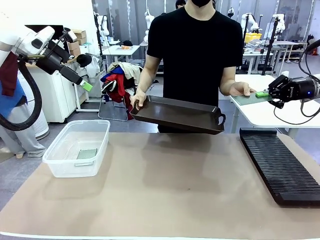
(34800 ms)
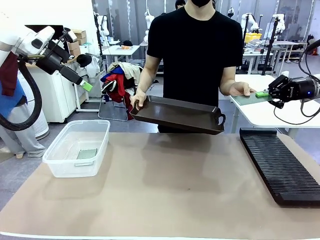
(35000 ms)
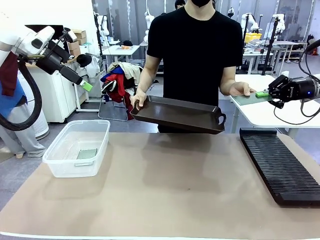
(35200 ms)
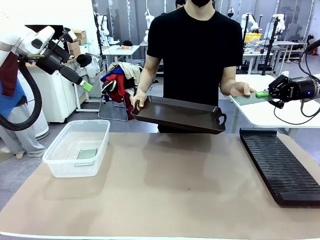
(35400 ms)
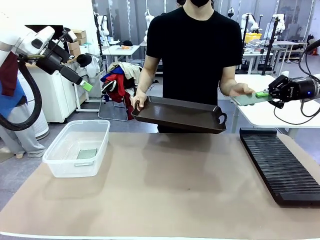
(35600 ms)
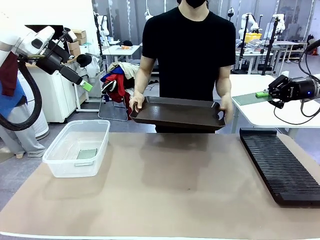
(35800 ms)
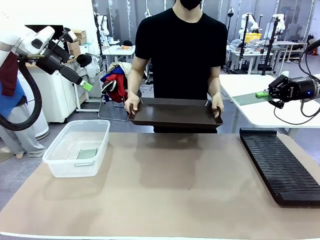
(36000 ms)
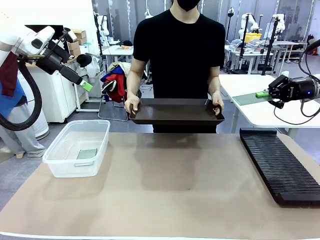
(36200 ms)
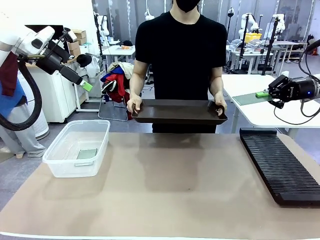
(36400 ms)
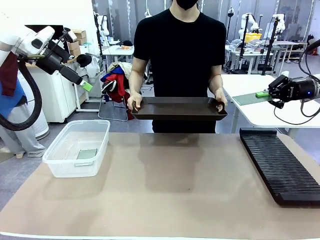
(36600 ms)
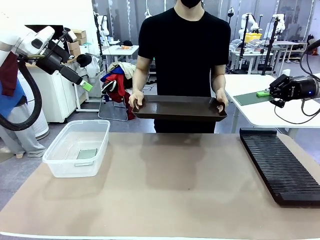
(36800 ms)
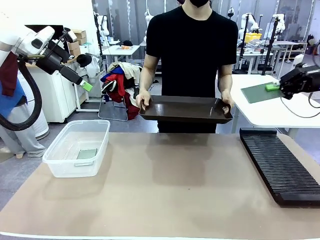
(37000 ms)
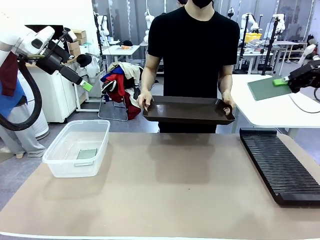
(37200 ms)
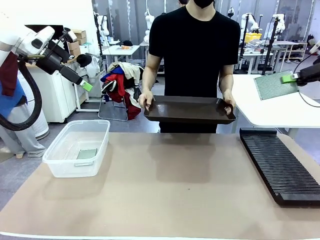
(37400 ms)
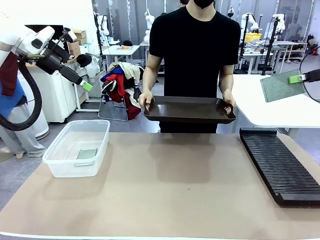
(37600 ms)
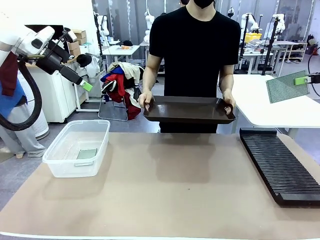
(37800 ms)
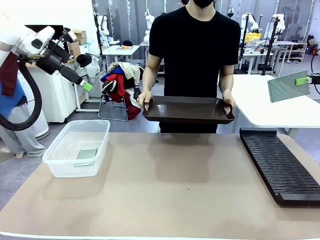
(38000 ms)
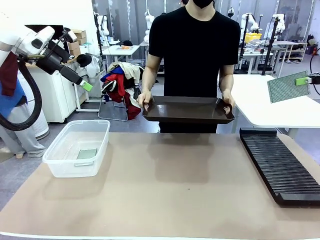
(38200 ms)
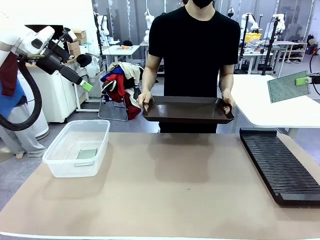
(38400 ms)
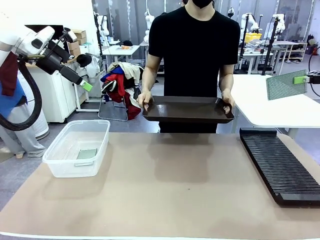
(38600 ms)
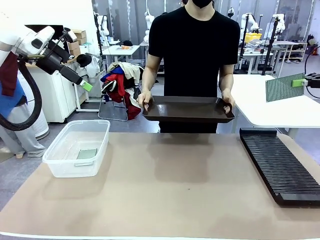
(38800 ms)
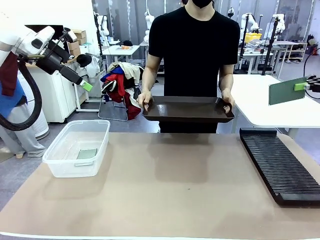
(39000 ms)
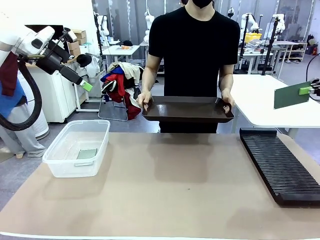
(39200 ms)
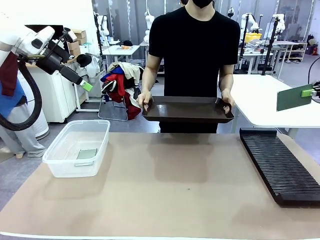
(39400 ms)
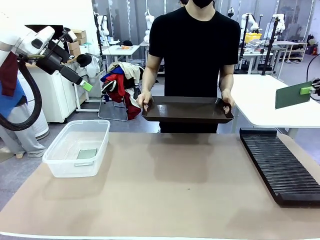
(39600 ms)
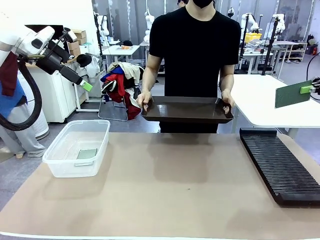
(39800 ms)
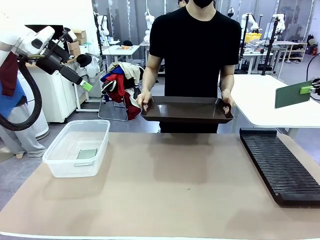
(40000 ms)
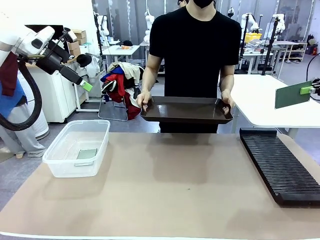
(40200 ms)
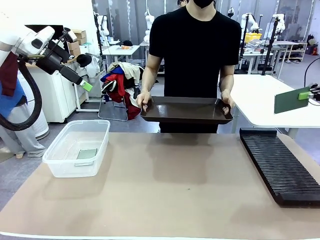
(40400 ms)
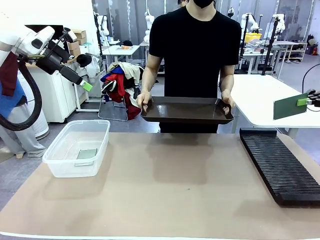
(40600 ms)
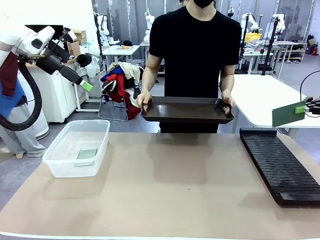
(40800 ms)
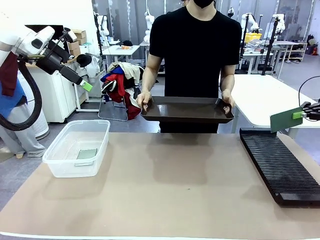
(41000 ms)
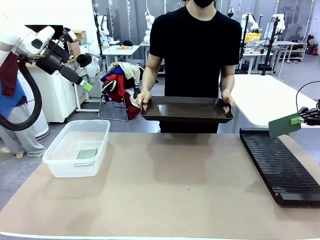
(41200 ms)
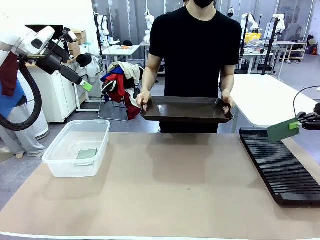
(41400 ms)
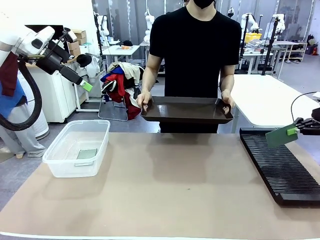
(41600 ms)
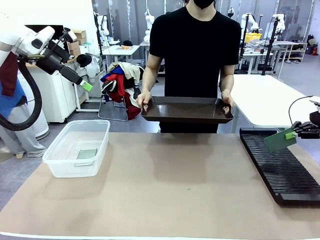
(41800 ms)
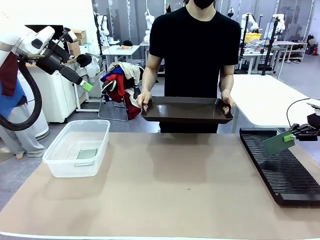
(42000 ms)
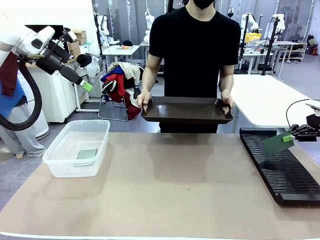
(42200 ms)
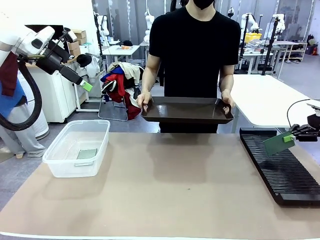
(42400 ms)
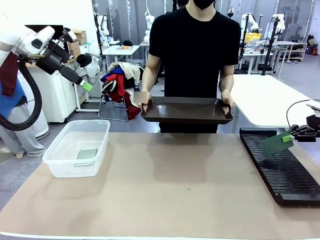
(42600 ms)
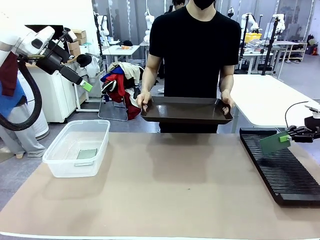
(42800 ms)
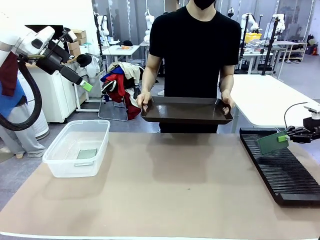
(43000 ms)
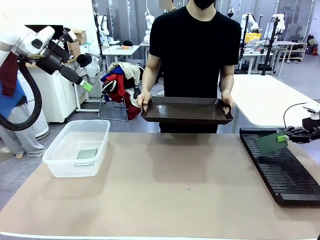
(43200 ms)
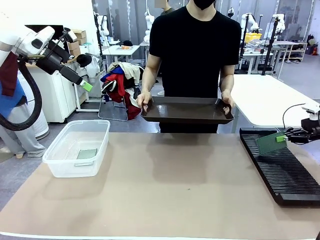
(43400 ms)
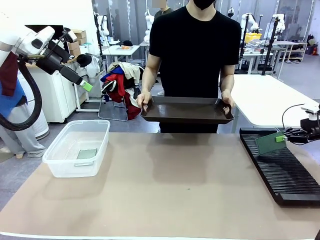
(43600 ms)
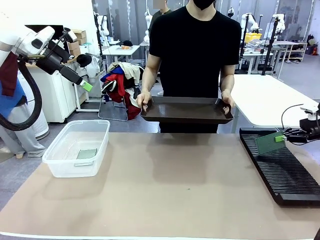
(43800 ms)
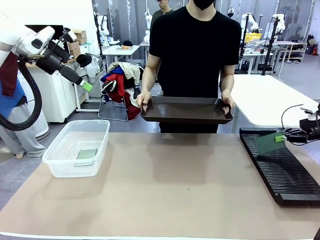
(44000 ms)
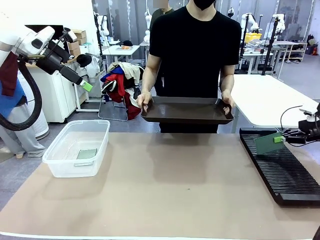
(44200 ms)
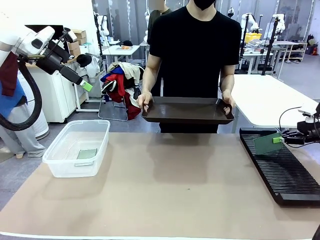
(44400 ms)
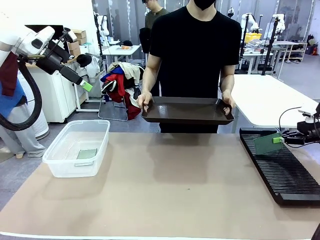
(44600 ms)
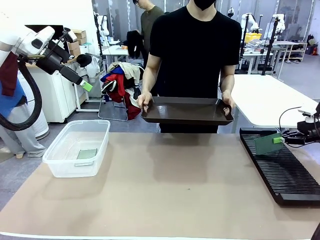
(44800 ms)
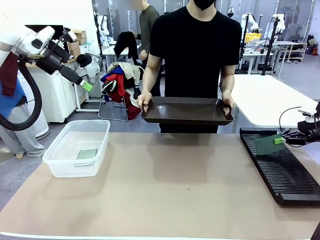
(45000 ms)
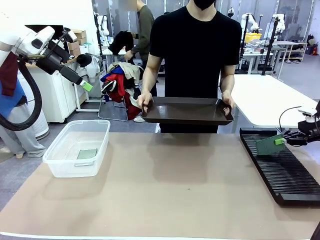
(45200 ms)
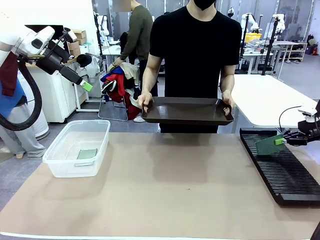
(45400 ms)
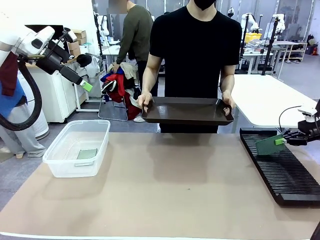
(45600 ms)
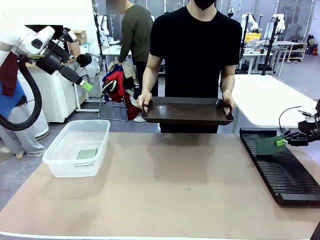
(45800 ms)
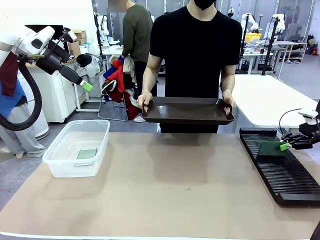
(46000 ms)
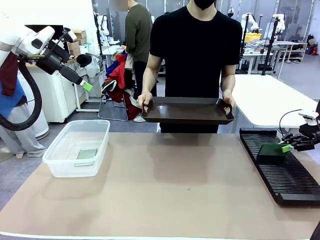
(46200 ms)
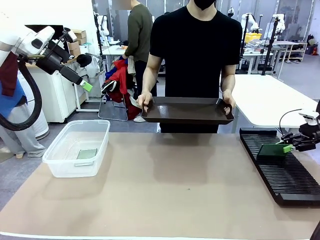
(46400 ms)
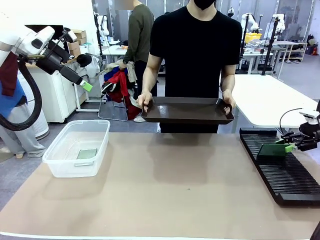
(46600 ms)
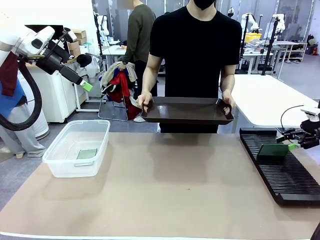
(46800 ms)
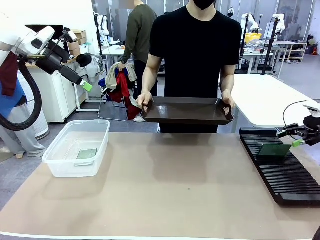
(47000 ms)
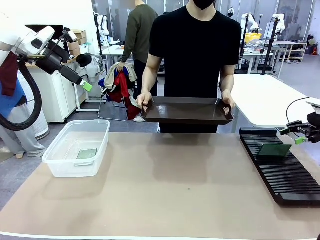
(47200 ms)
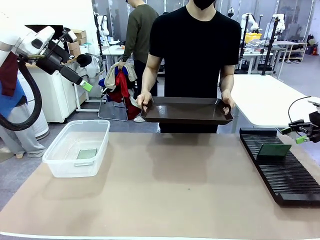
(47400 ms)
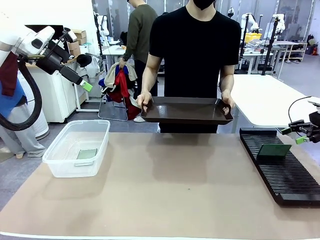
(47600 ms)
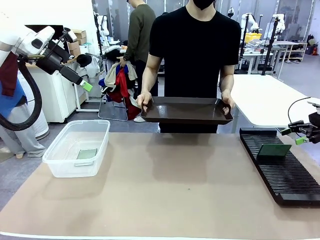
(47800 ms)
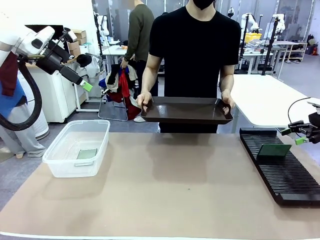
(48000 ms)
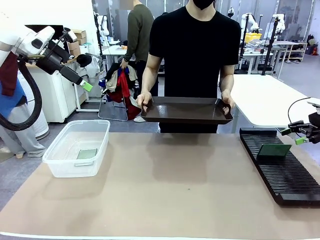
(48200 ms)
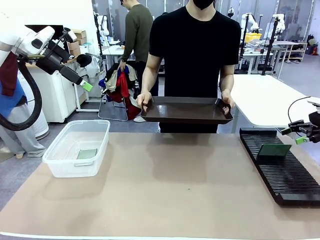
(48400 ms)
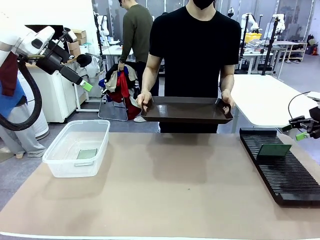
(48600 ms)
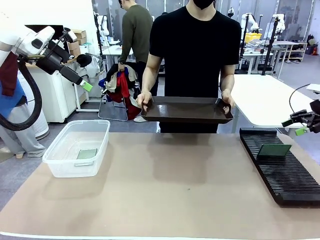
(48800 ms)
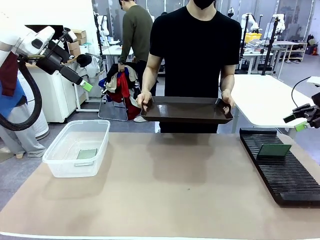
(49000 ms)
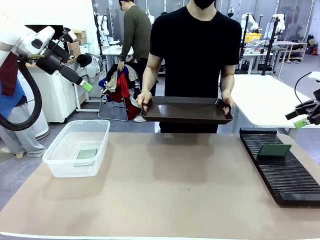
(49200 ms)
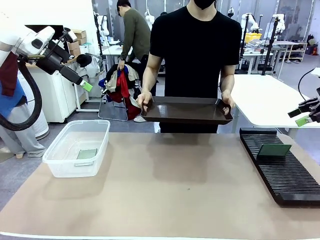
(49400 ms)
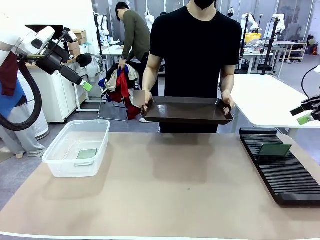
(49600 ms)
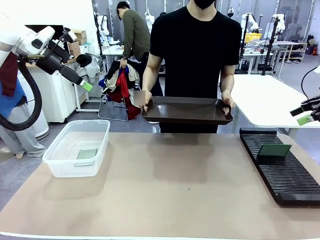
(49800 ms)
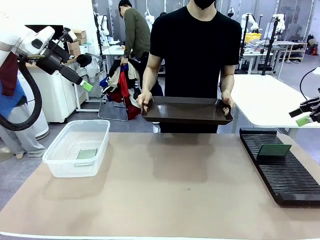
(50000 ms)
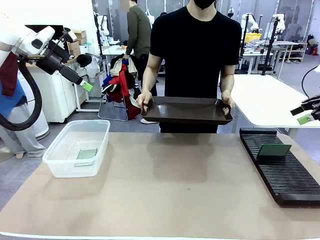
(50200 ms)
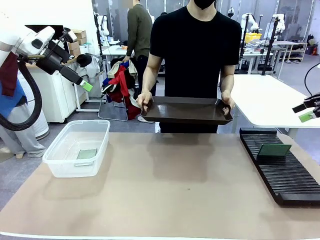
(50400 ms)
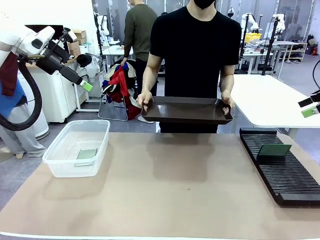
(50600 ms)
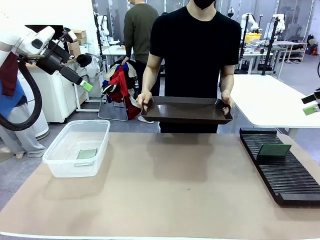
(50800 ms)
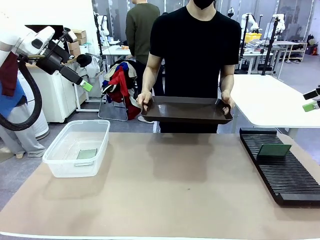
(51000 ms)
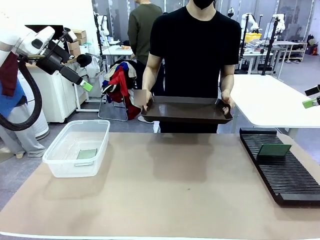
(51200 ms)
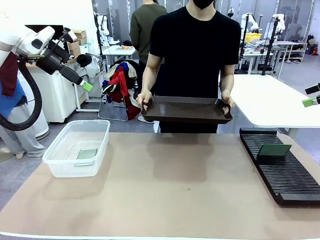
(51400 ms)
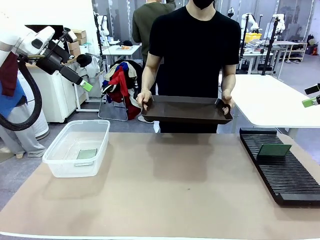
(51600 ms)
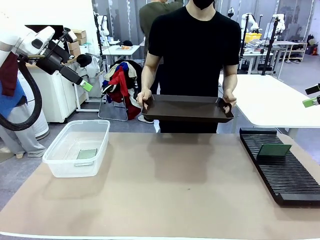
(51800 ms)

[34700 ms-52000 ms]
Task: Sort PCBs into racks and boxes based on the side picked up.
Robot: If the short side of the Blank PCB is picked up, insert it into the PCB Rack ; if the long side is picked up, place it in the Organizing box.
Person: Release the PCB being held.
